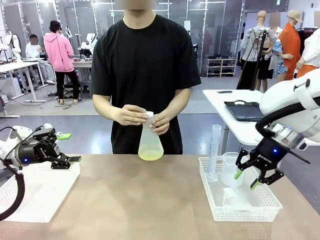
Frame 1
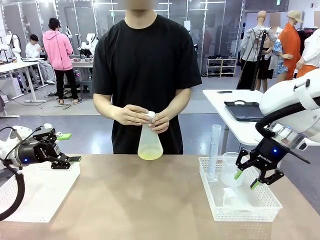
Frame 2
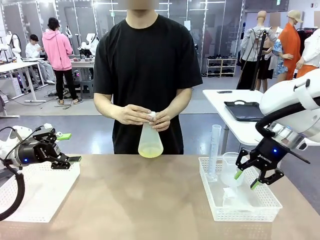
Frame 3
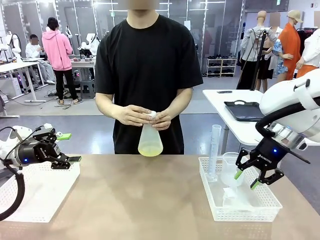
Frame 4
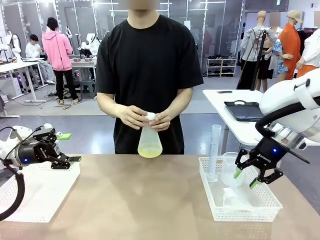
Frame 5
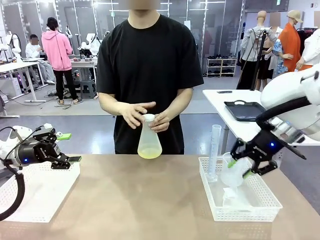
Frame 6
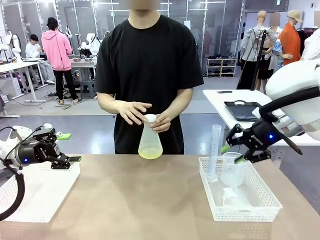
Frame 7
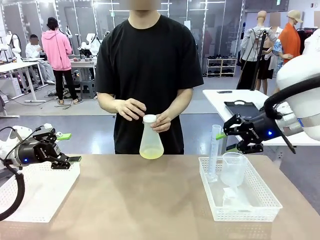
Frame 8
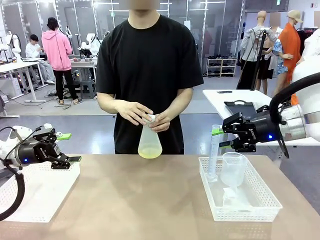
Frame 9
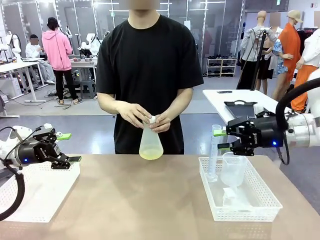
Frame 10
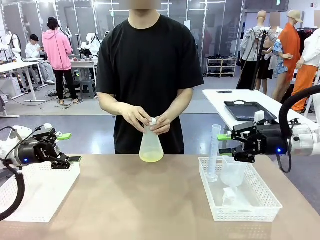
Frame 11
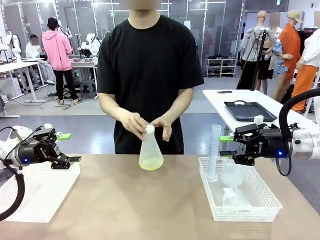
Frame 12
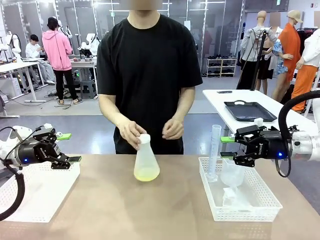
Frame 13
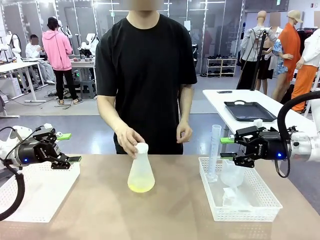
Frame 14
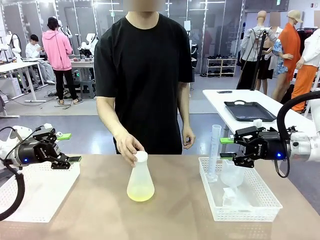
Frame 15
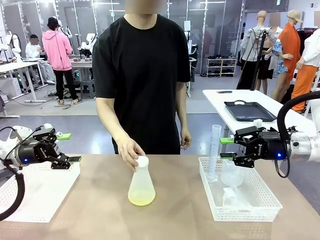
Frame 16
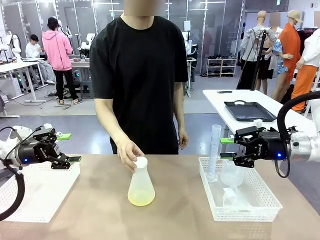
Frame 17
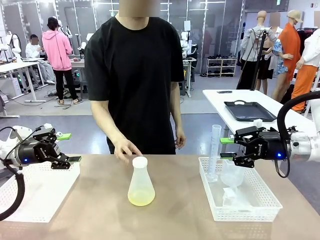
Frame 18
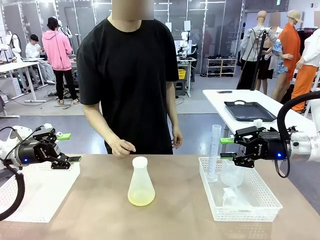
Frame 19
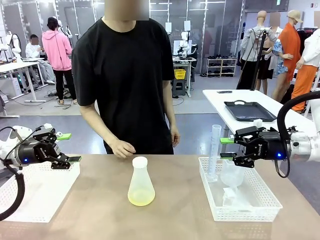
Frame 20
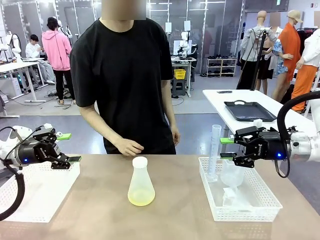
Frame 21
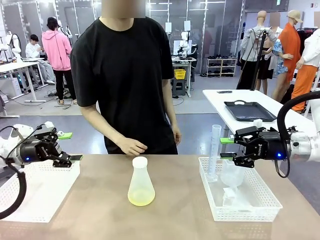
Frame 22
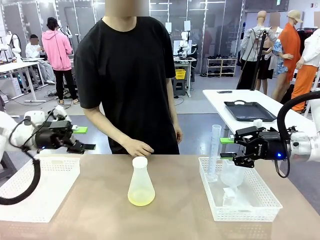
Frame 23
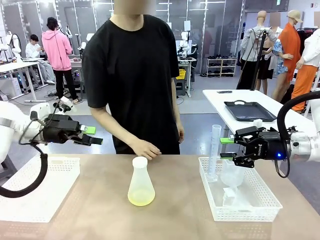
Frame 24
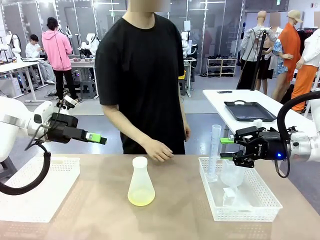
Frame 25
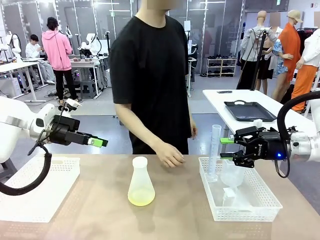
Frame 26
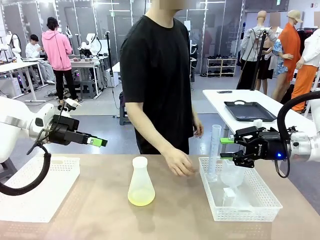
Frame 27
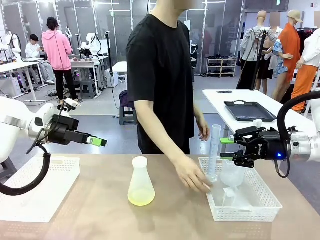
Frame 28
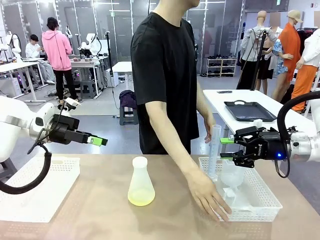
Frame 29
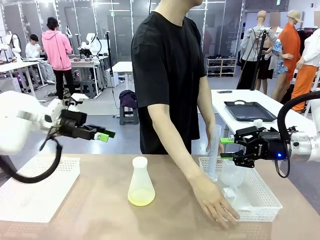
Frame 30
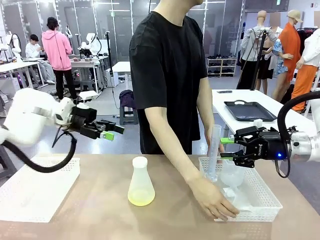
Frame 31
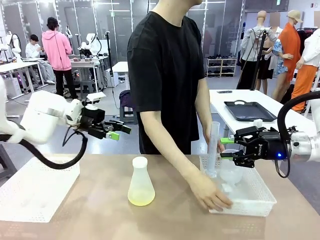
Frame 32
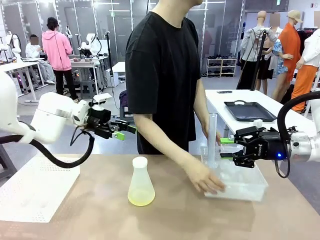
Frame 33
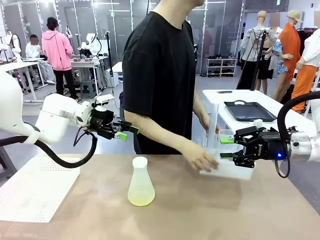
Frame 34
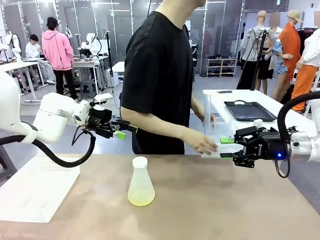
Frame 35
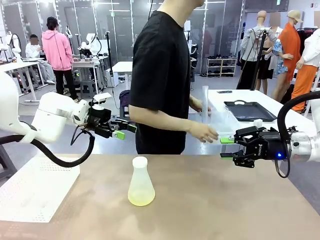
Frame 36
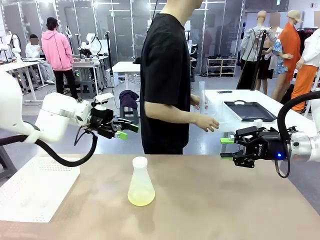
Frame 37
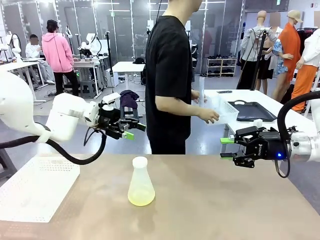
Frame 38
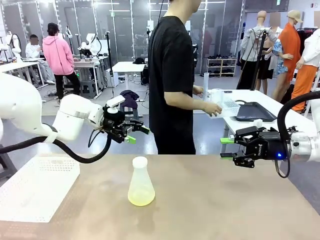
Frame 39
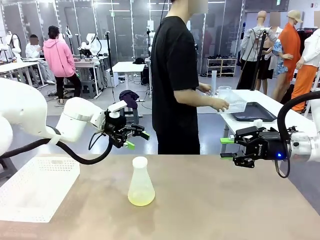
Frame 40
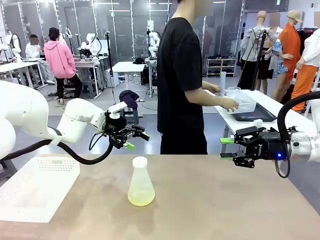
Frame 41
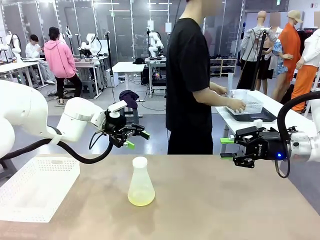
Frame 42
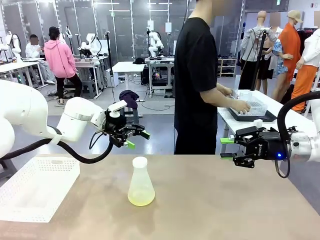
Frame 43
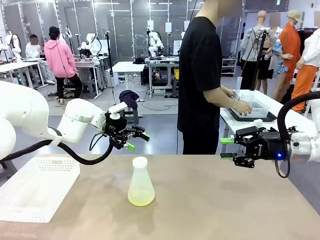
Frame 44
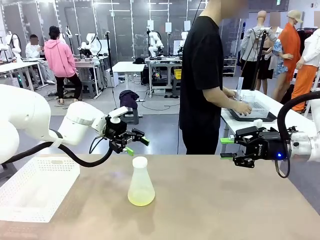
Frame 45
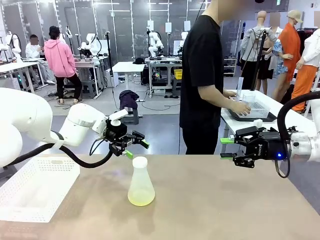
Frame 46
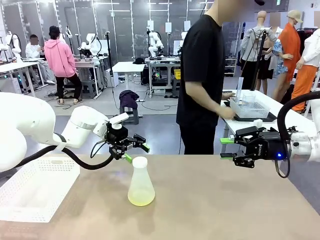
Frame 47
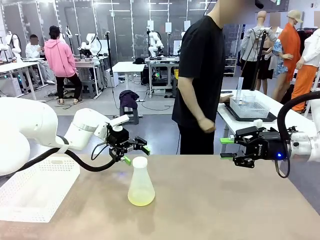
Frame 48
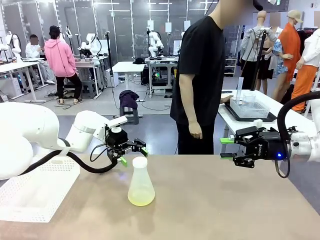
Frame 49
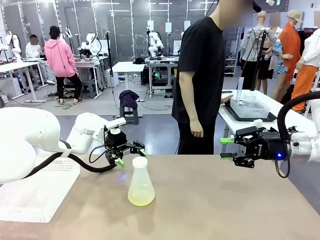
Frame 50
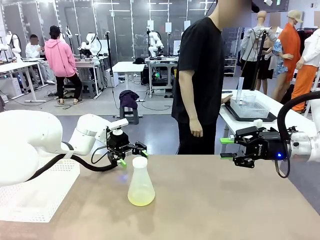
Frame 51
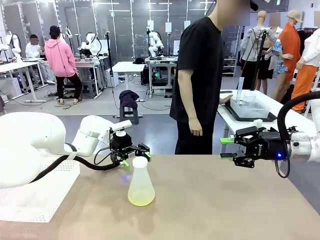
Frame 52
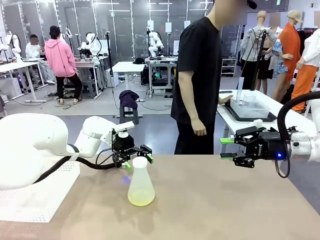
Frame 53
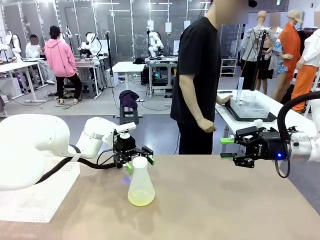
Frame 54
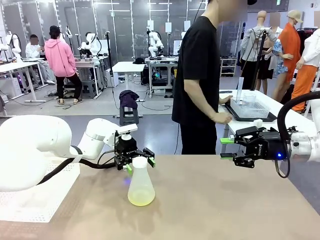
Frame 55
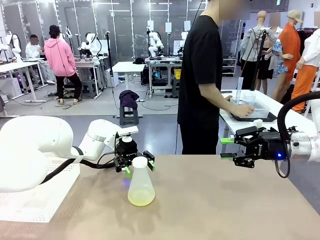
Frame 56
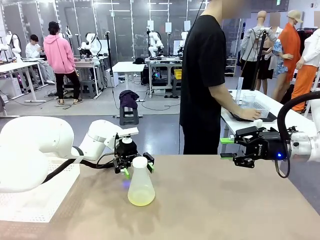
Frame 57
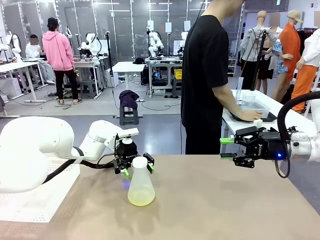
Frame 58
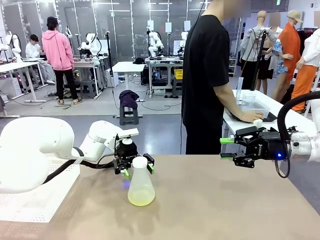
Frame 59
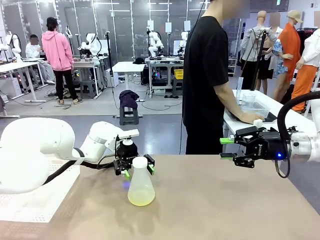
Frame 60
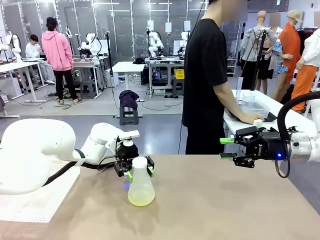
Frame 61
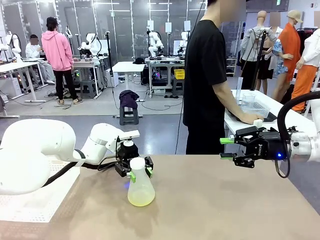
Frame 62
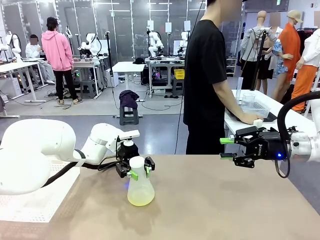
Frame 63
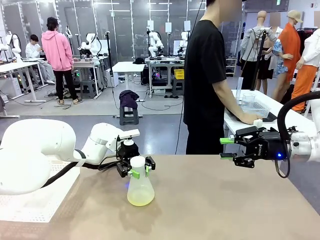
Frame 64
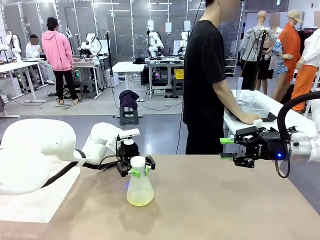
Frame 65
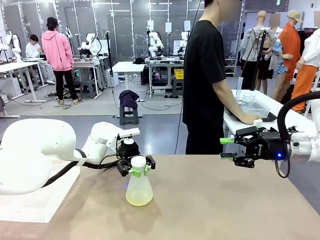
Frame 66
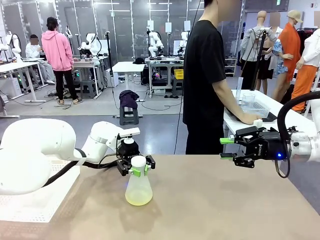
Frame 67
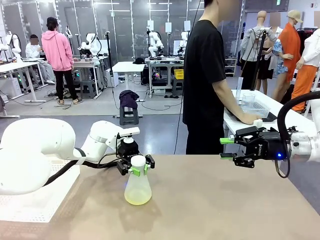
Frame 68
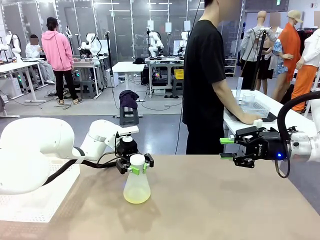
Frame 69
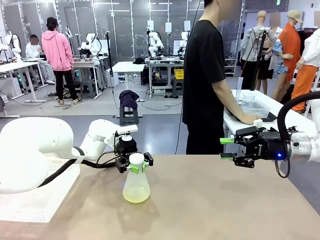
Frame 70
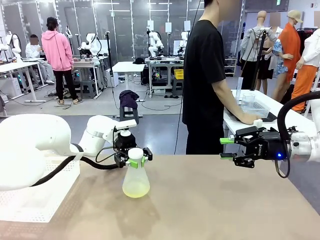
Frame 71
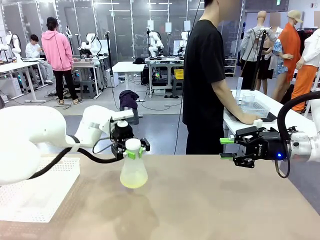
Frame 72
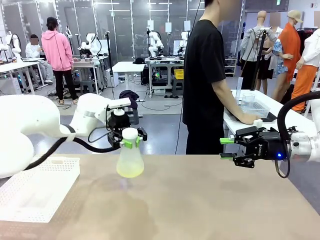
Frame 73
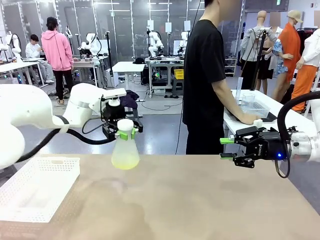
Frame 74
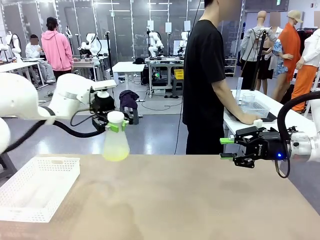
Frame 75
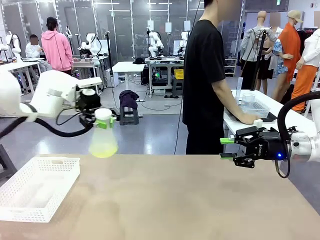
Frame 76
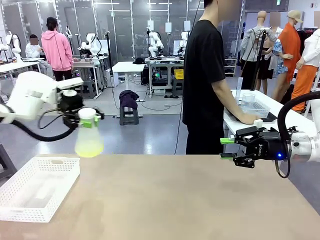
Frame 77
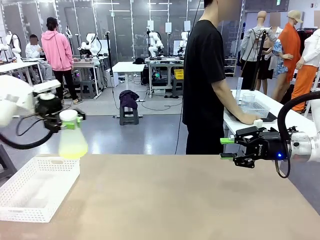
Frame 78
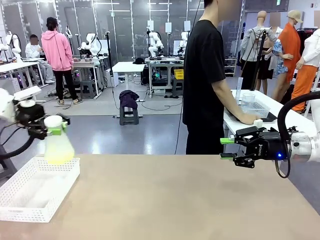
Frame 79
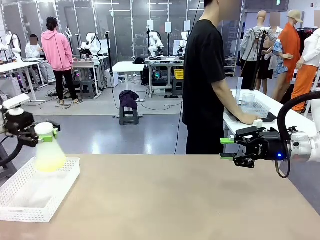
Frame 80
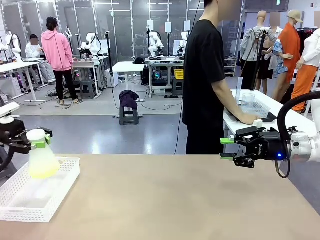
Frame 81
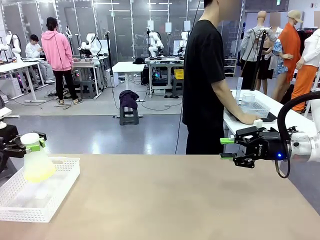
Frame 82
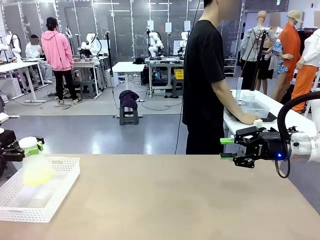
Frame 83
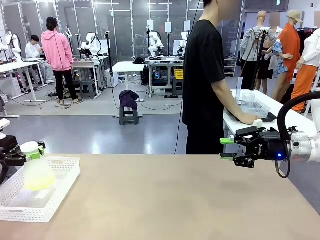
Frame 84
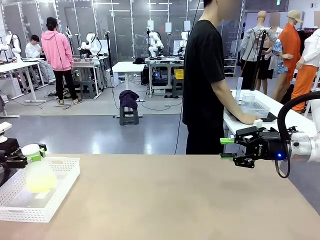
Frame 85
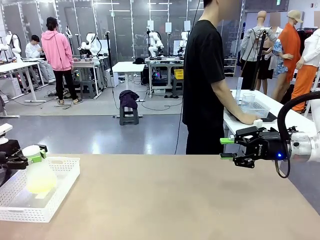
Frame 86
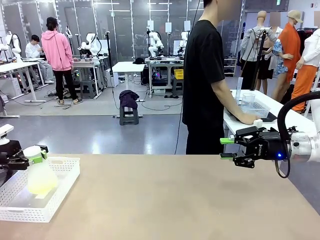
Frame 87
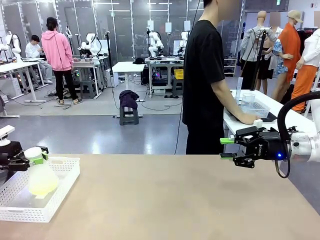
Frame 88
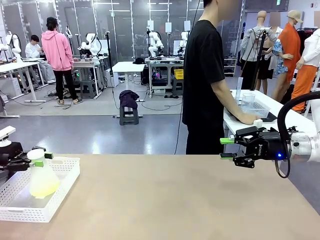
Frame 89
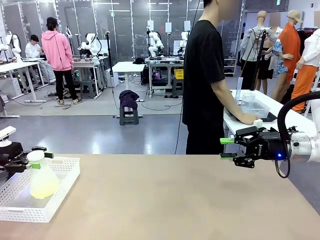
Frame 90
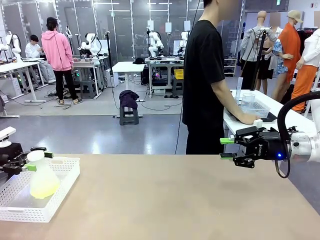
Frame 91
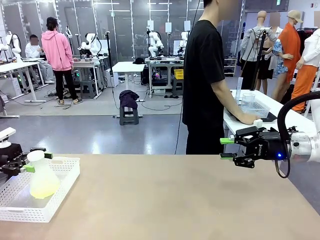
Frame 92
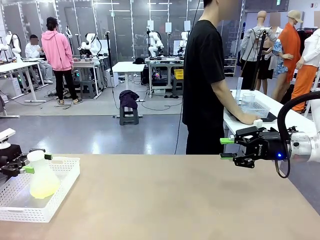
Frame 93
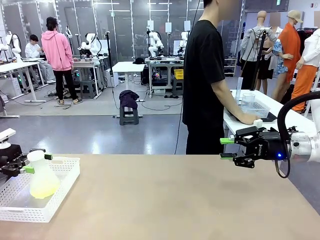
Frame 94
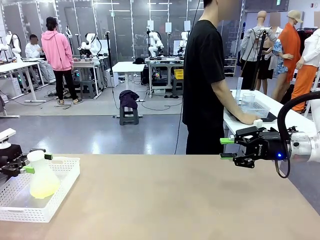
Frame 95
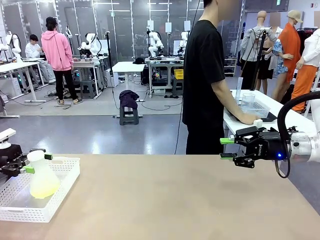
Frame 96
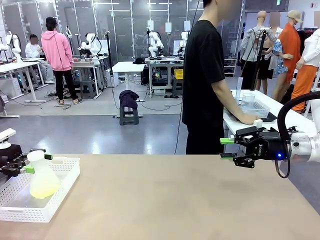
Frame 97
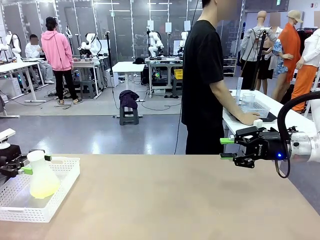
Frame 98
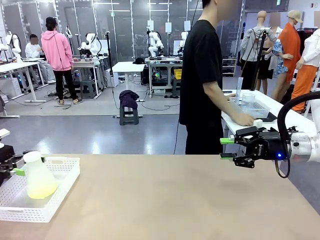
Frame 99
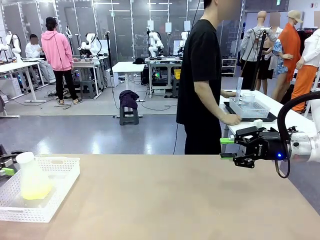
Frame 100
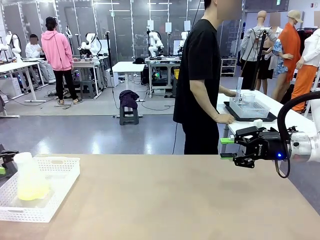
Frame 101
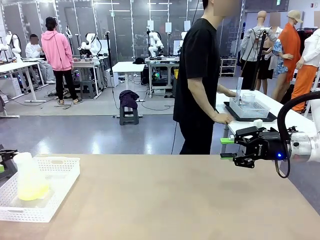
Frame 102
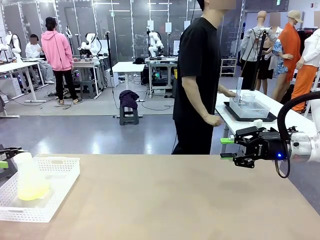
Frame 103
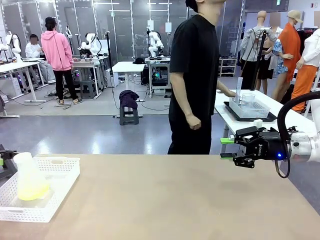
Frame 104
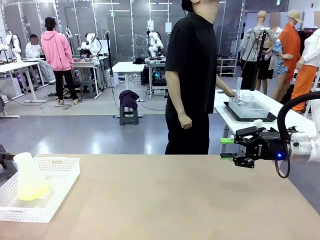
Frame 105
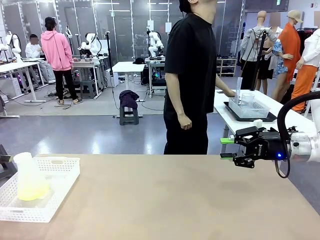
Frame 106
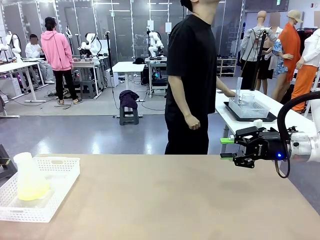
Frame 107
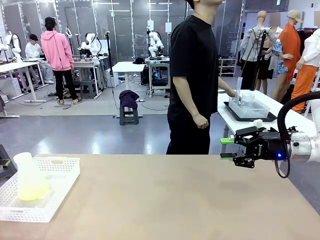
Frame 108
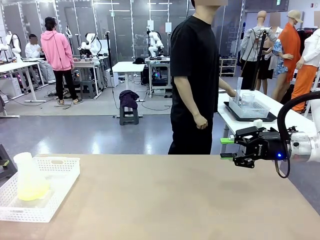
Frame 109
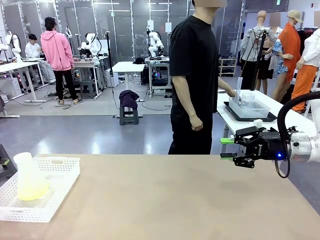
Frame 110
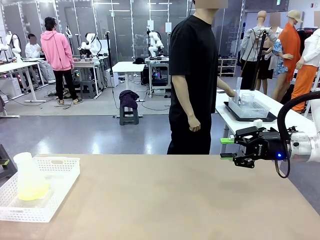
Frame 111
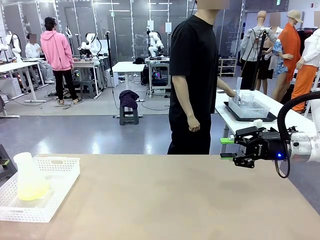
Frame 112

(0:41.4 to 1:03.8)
Task: Prepare the solutions needed for the experiment.
Robot: When the human places the Big flask in the center of the table, pick up the Big flask and place it in the left Organizing basket.
Person: Pick up the organizing basket on the left side of the robot table and place it on the left side of the human table.
